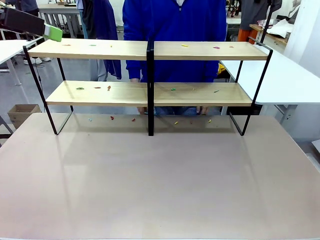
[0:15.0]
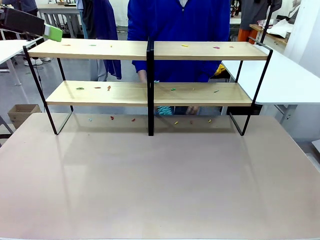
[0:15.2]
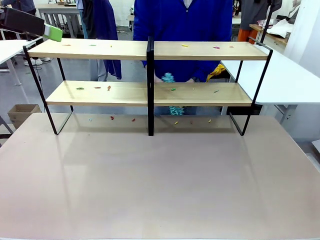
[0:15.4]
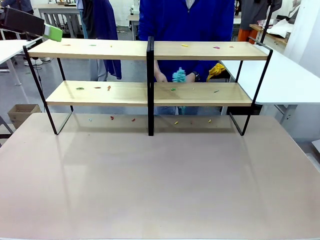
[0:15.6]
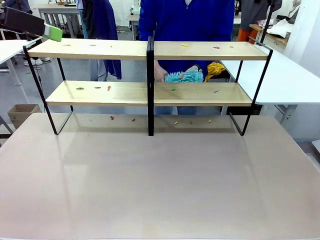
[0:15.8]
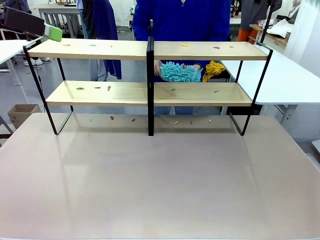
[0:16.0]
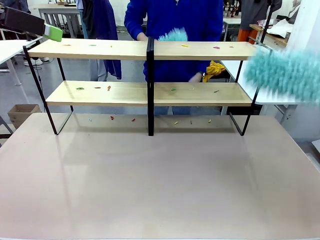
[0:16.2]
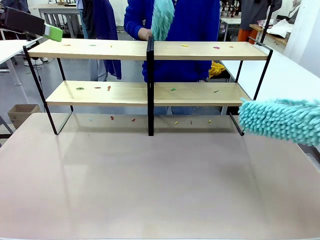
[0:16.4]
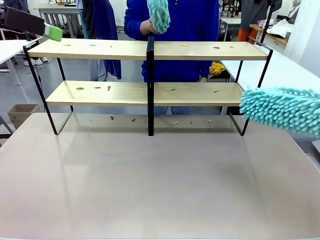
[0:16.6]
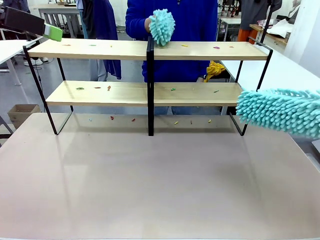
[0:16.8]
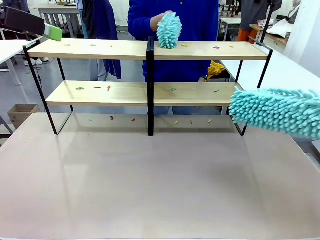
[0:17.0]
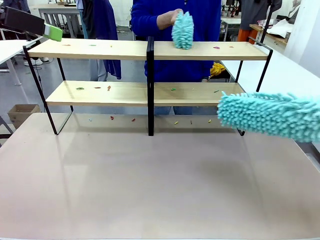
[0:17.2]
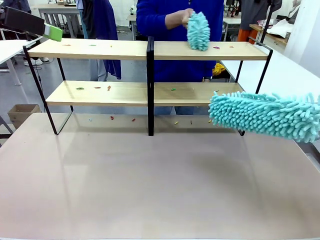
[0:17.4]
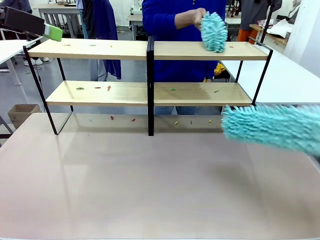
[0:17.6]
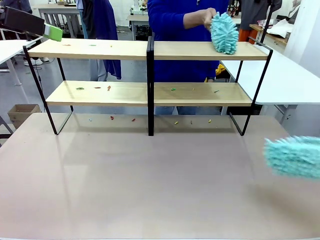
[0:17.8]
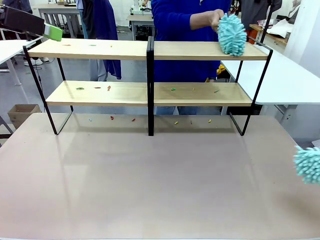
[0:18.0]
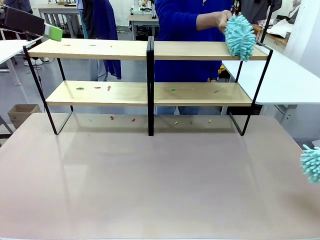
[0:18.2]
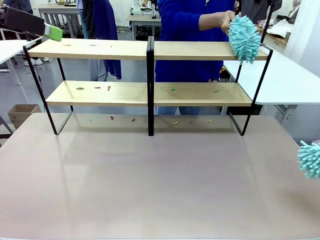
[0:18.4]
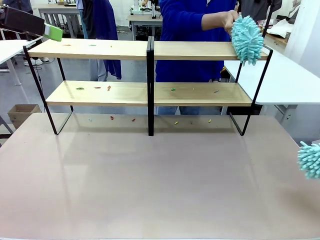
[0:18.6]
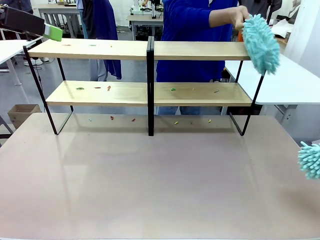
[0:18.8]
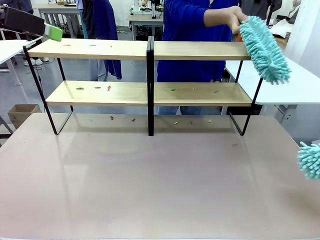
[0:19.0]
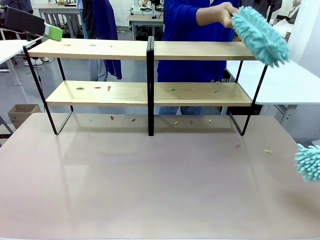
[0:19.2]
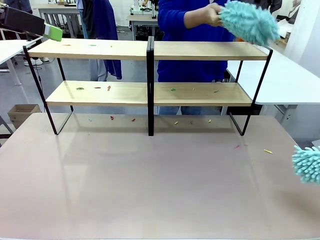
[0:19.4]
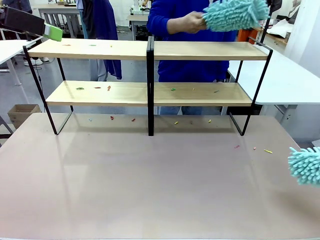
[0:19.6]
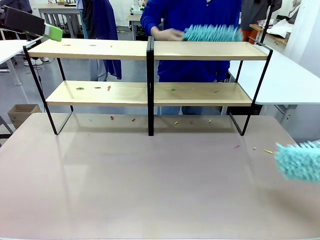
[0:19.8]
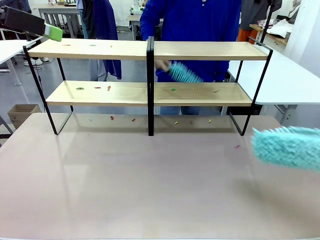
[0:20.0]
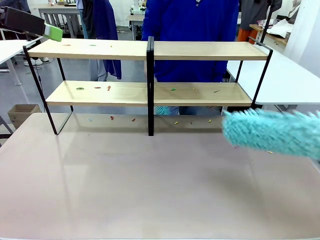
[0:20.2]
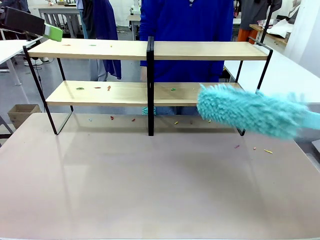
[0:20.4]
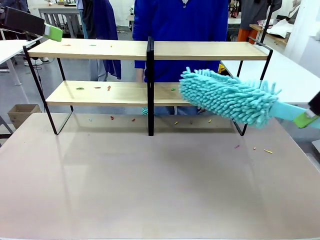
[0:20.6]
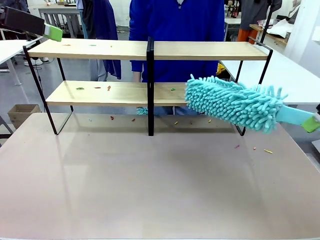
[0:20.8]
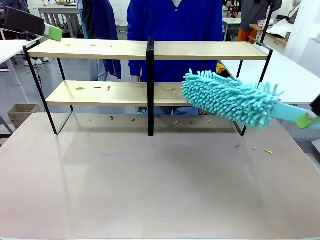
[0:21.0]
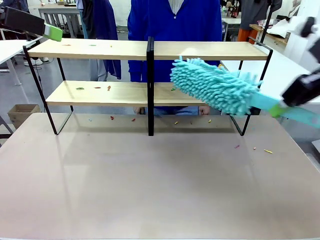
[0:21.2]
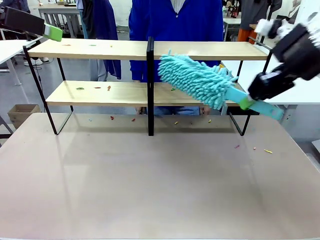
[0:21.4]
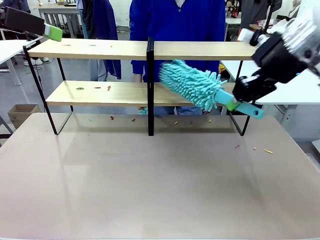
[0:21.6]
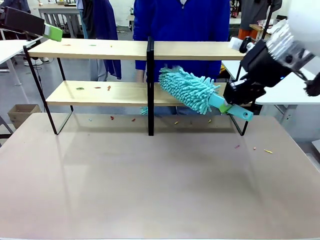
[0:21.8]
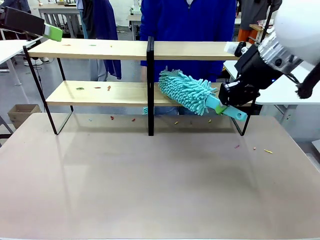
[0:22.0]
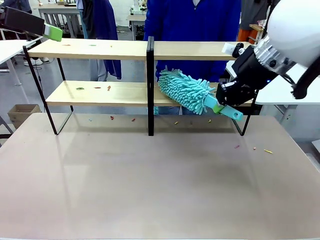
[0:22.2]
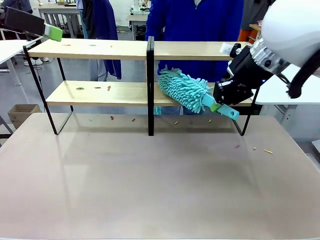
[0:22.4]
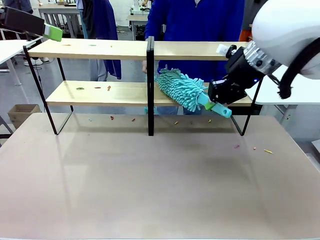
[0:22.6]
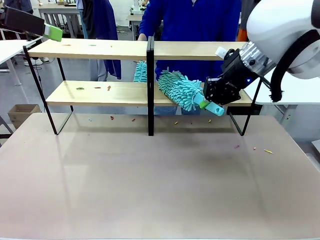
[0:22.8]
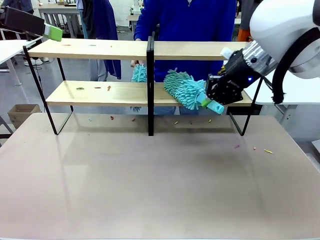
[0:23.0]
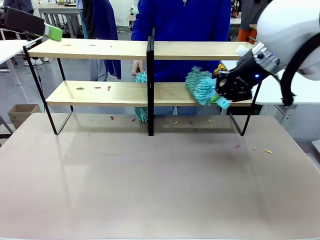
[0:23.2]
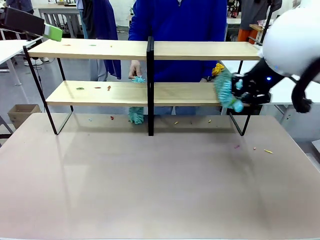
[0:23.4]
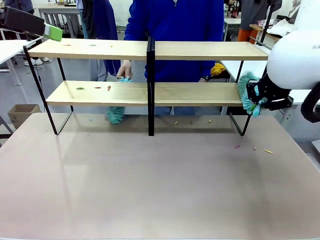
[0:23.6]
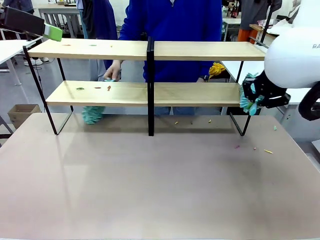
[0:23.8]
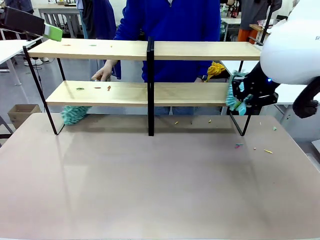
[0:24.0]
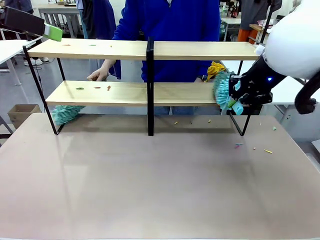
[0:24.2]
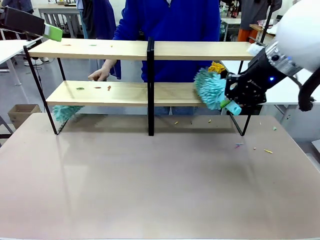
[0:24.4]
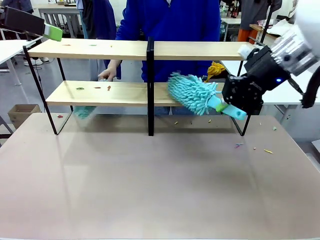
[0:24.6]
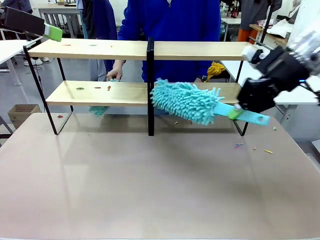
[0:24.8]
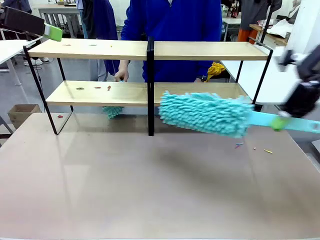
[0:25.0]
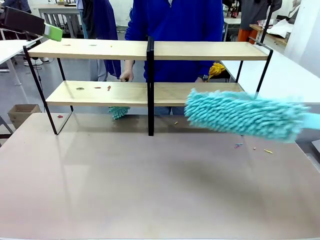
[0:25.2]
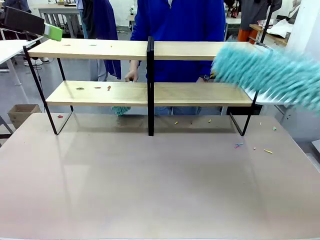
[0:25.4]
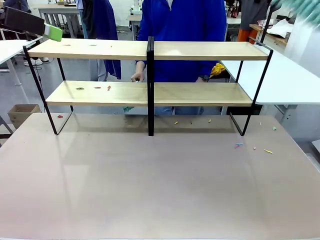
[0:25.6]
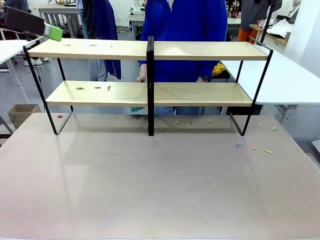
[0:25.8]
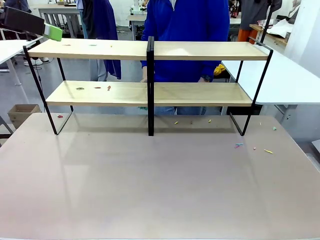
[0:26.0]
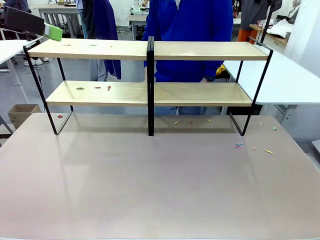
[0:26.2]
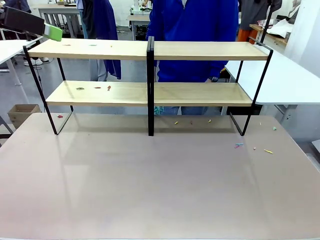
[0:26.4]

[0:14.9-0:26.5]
Task: Clean the shelves.
Robot: Clean a randomly selected level of the Shelf with the Duster.

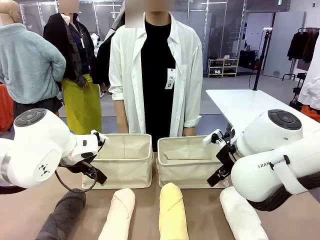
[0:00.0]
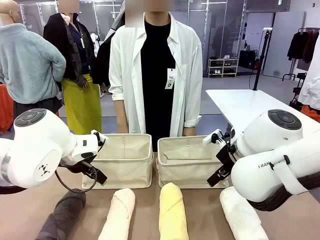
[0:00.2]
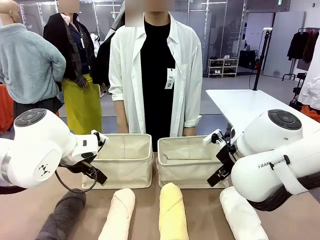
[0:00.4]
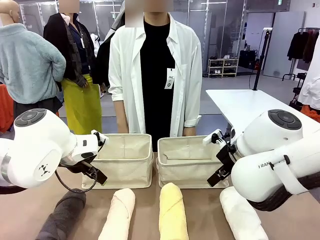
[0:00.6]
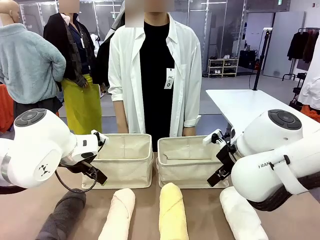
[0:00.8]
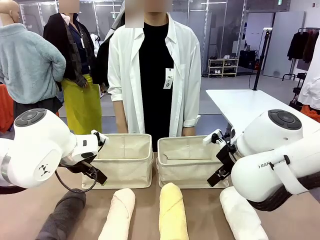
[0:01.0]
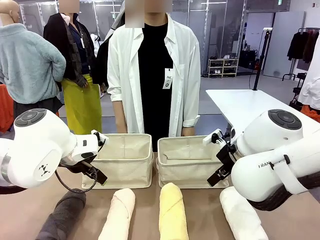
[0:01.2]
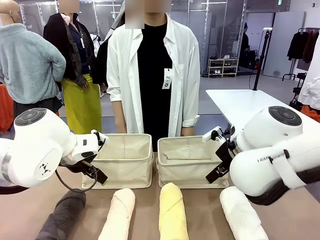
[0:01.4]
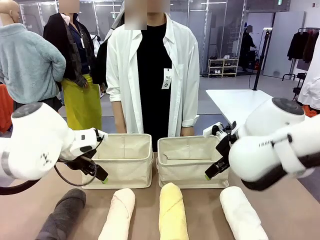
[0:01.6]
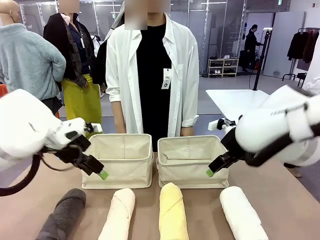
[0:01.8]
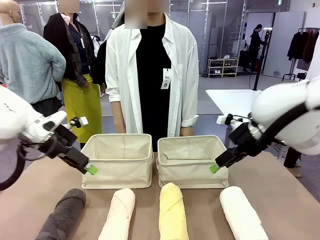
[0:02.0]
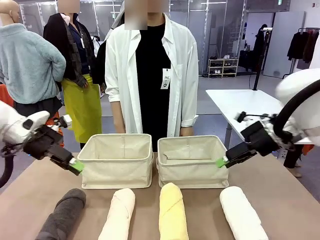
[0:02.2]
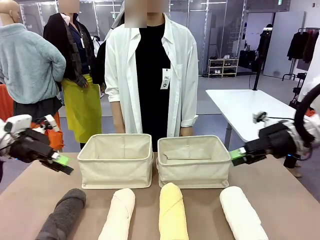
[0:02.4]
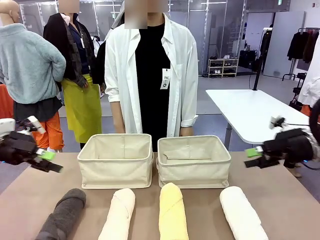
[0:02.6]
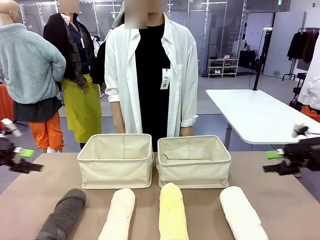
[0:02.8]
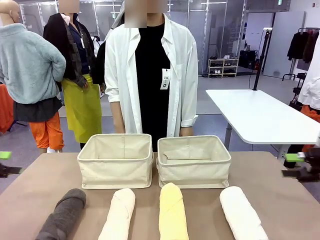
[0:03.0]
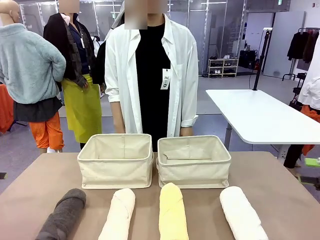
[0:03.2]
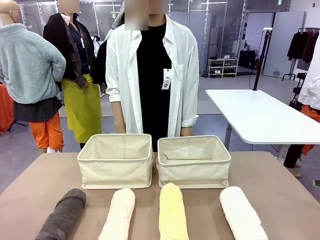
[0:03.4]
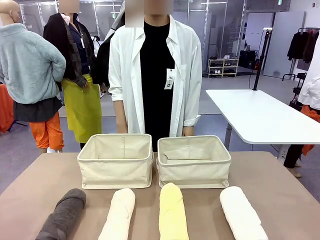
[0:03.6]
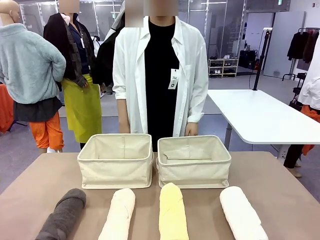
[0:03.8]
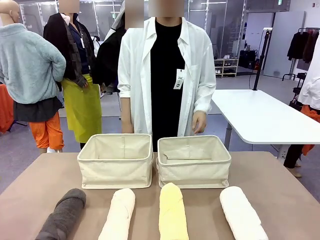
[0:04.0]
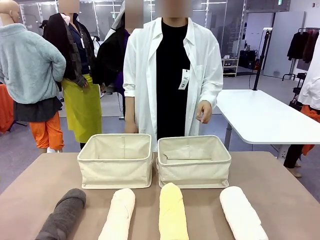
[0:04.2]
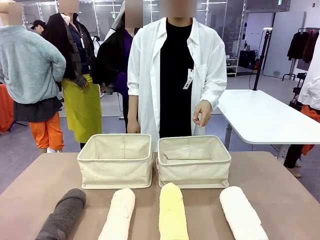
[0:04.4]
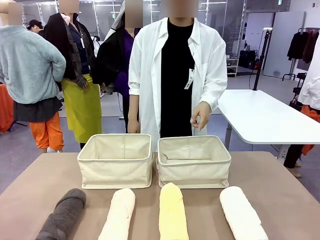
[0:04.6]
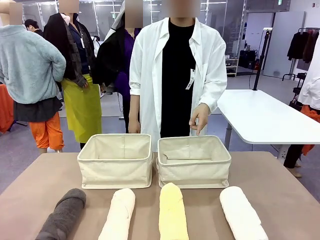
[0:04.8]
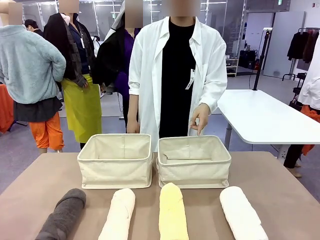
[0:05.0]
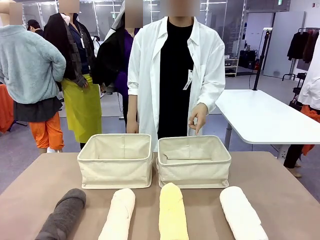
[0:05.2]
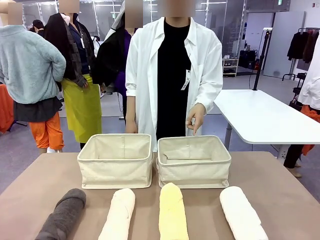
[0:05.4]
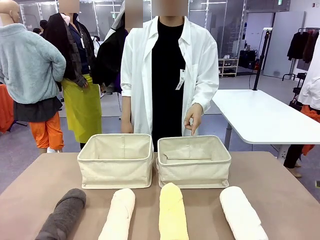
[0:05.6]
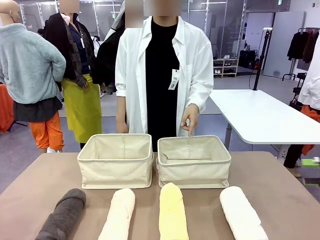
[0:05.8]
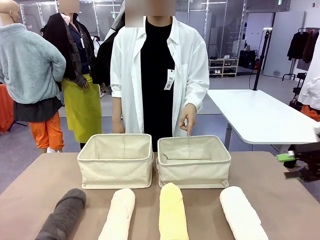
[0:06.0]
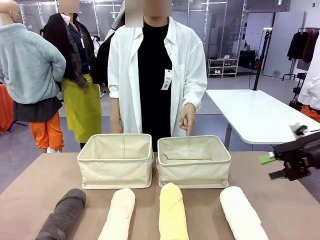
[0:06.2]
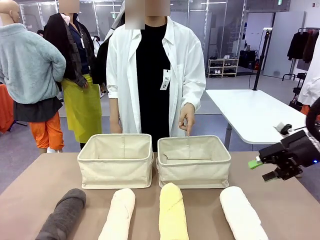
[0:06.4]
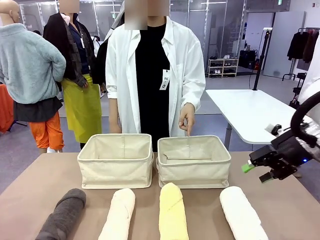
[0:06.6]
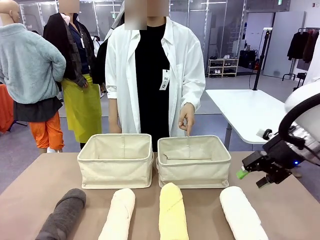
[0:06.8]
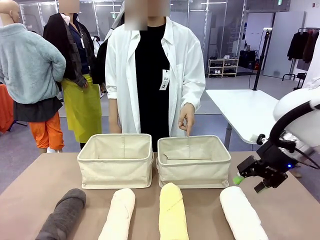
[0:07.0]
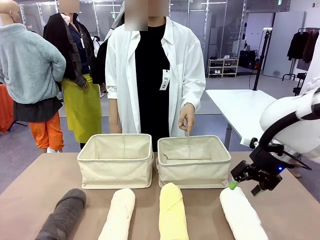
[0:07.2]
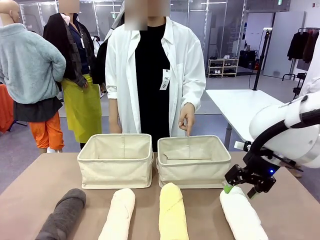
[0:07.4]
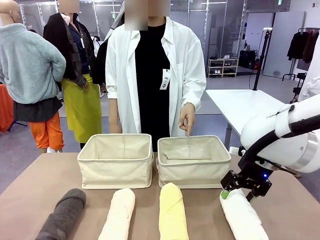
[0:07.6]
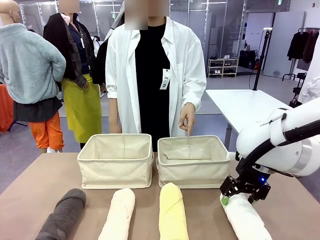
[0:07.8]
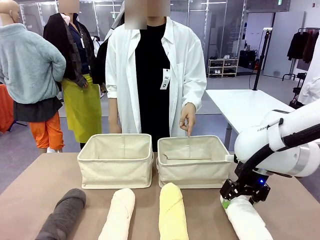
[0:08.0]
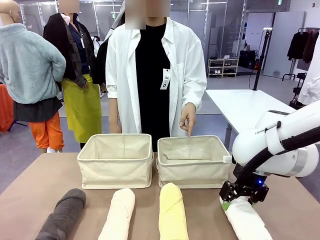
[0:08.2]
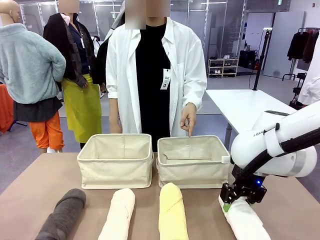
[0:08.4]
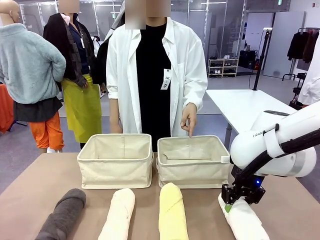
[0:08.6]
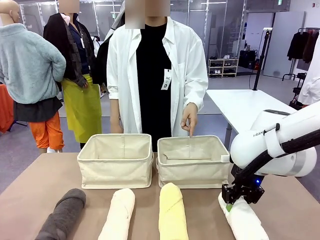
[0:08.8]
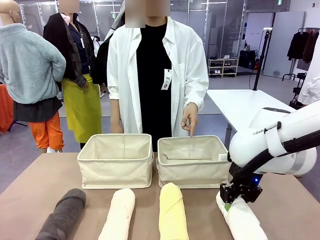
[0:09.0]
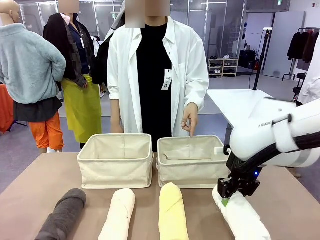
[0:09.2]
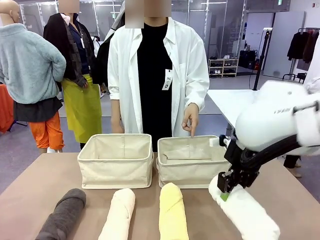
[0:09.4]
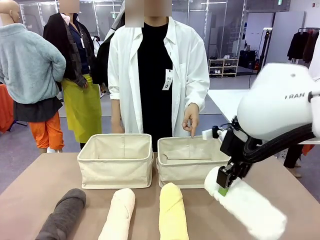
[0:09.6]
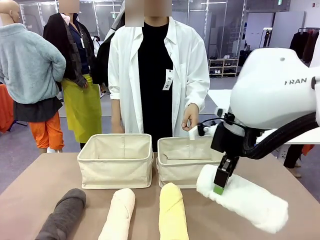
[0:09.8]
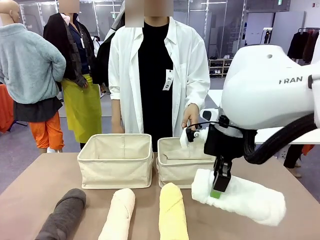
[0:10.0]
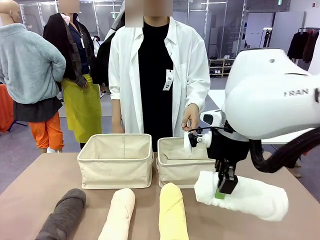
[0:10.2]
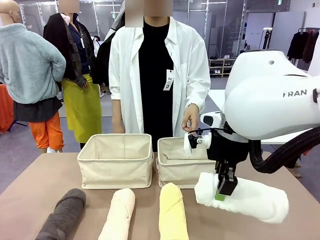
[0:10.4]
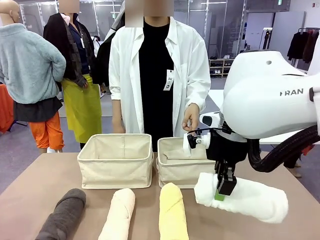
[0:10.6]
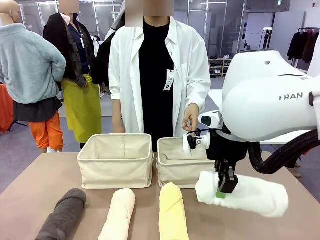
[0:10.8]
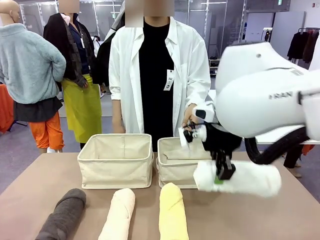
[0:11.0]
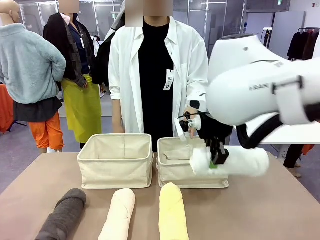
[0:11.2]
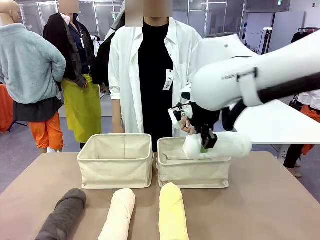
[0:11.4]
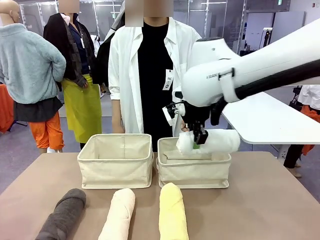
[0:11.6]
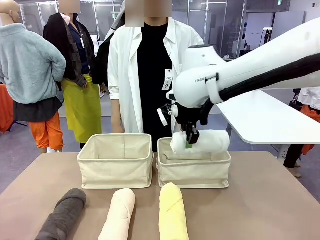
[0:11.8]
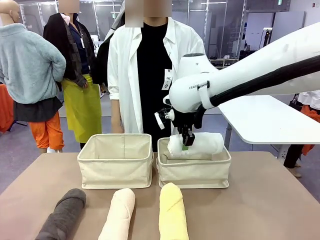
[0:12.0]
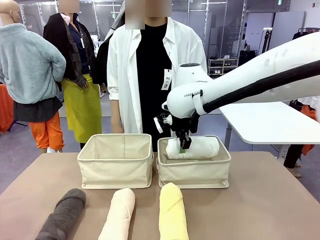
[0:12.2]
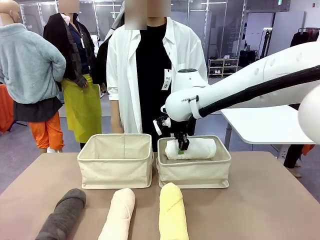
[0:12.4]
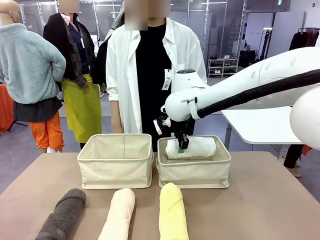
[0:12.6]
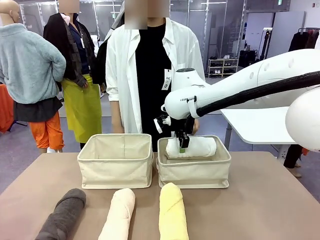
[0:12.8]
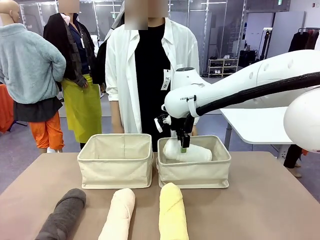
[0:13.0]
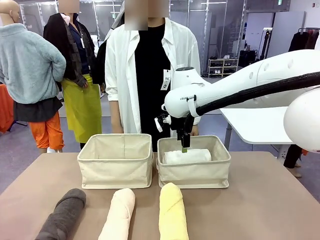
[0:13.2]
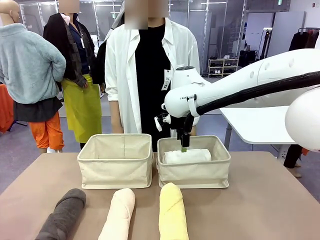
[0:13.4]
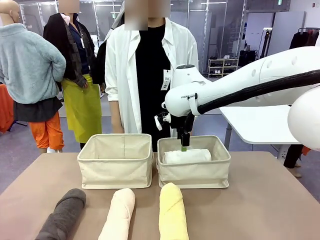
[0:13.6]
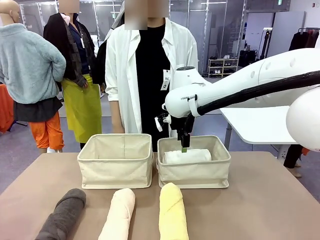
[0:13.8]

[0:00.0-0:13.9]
Task: Divide the towels into two baskets.
Robot: Pick up one hotel-folded towel and place it in the Fabric basket indicated by the person.
